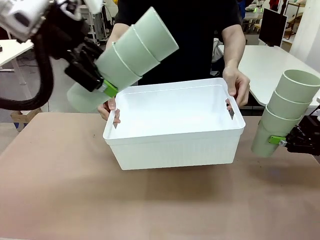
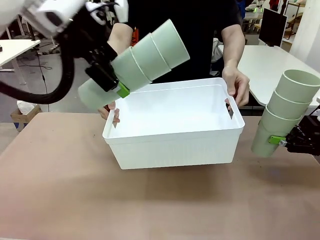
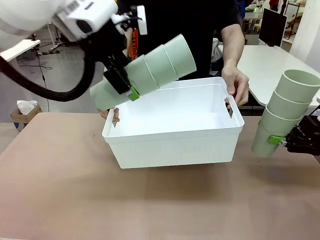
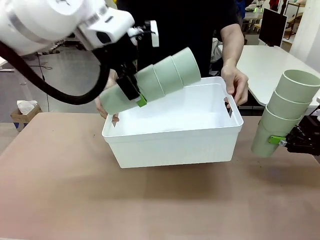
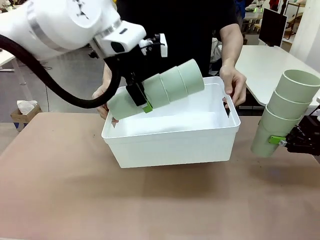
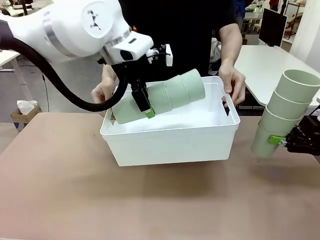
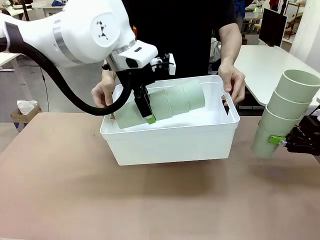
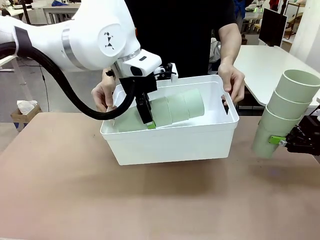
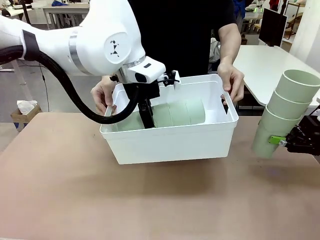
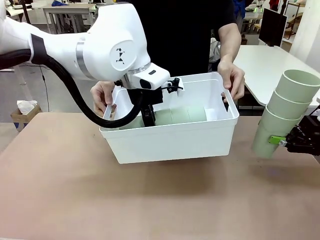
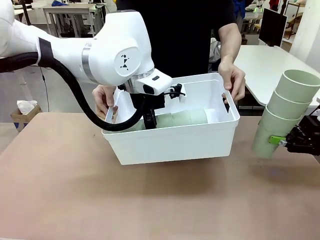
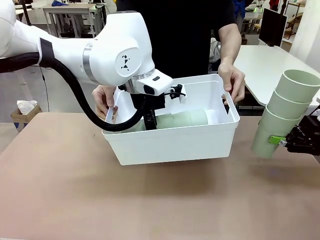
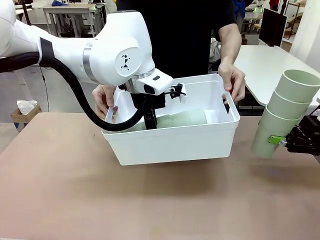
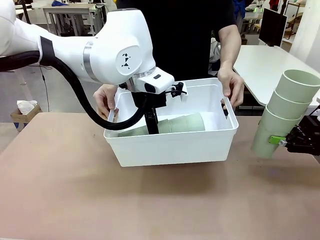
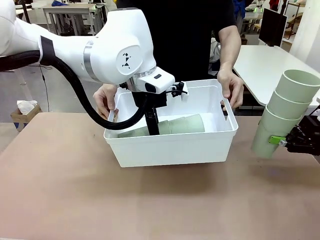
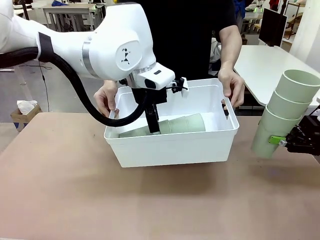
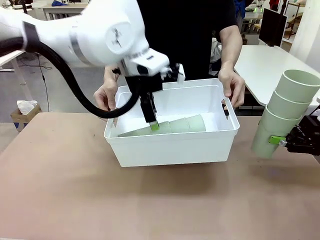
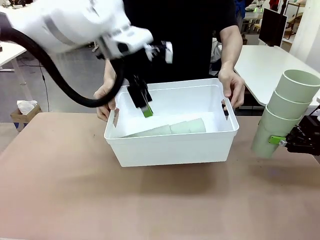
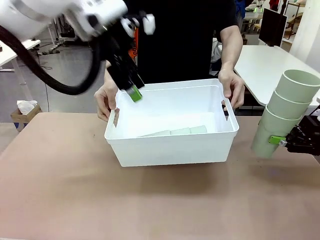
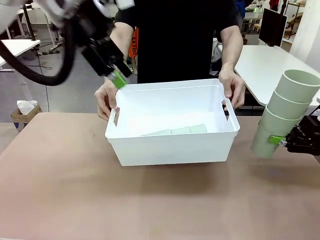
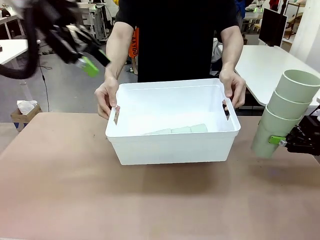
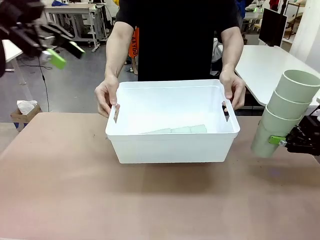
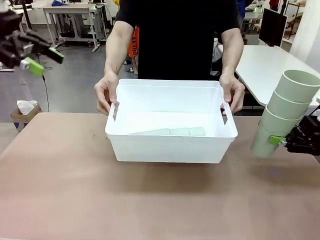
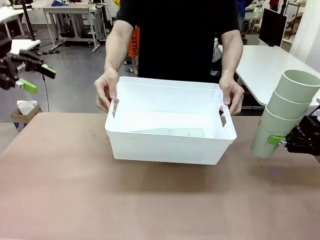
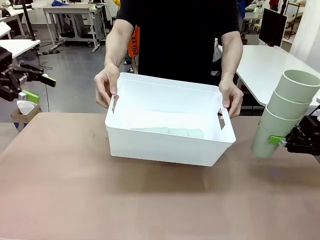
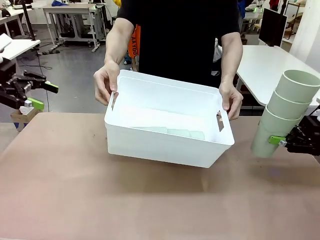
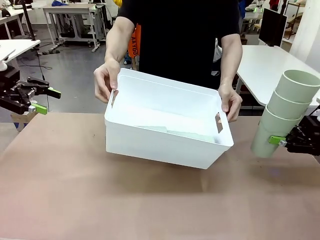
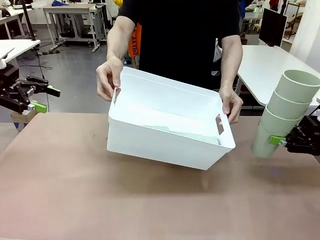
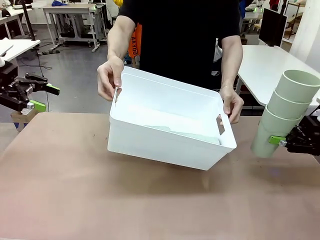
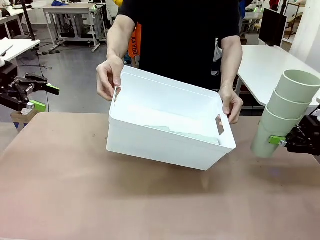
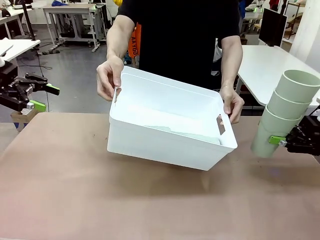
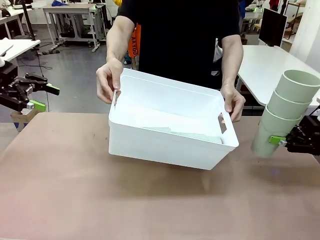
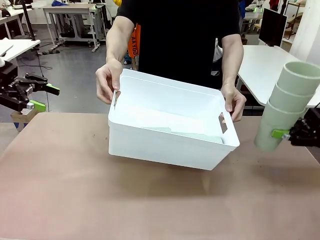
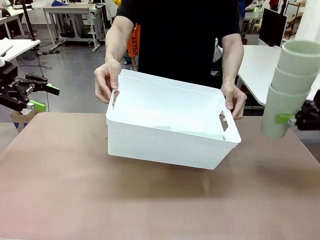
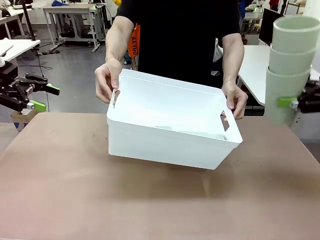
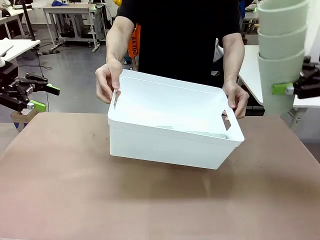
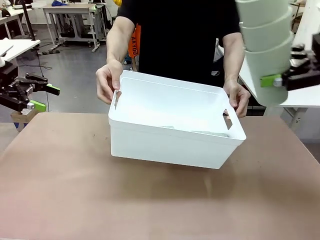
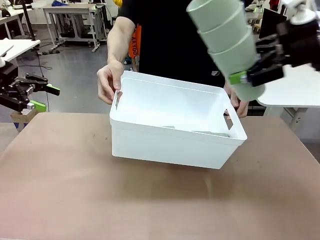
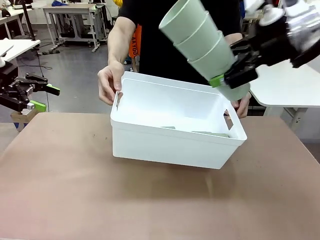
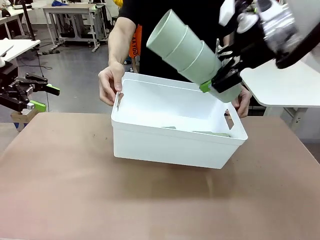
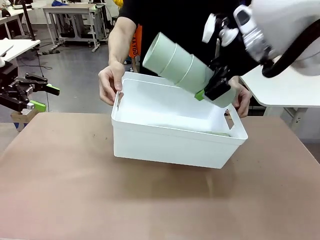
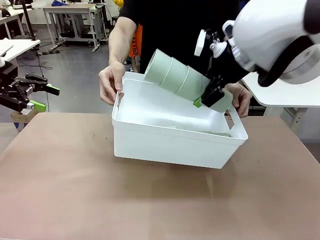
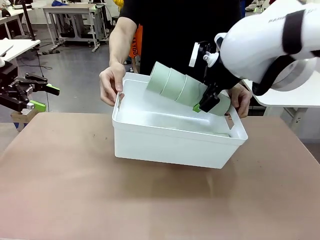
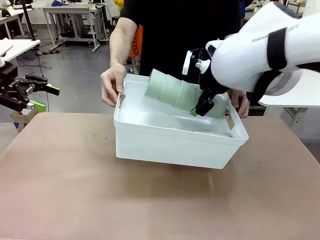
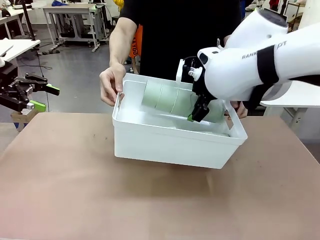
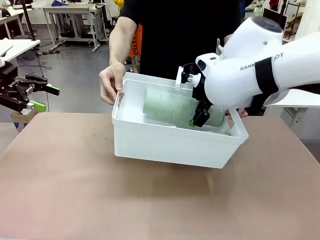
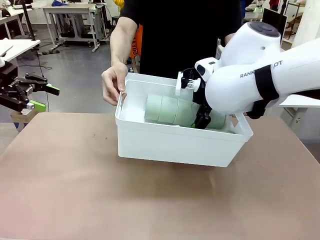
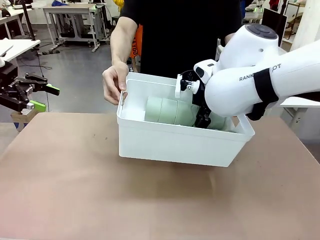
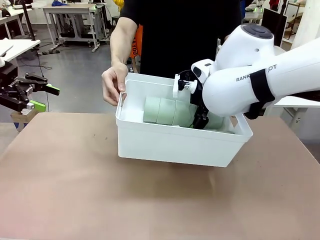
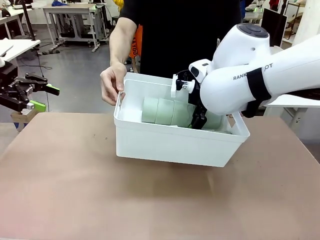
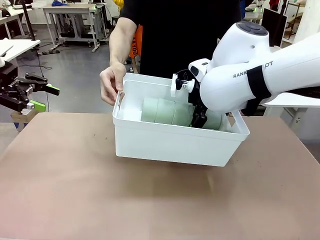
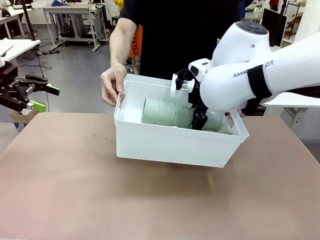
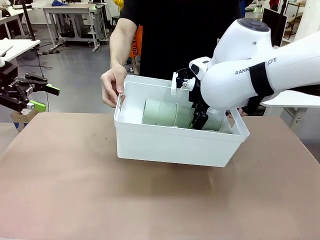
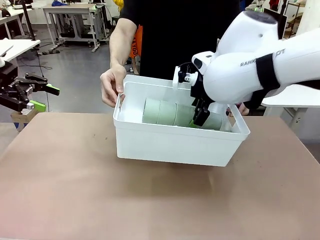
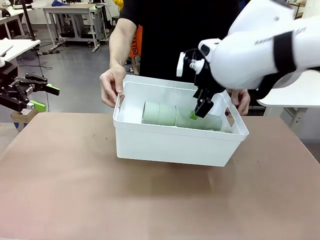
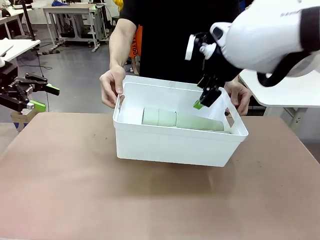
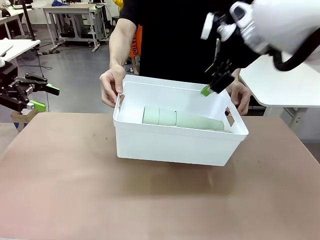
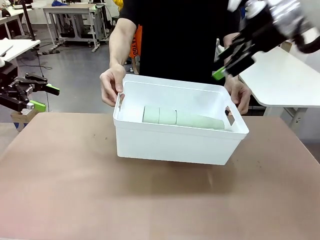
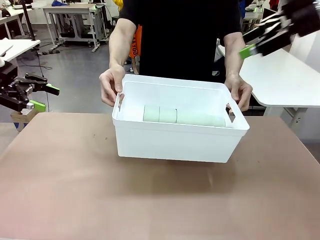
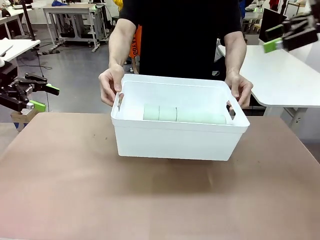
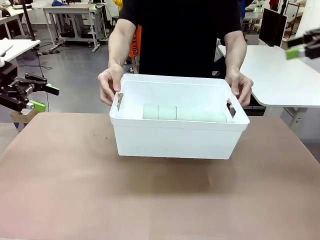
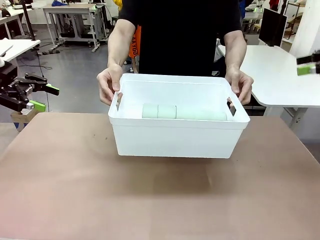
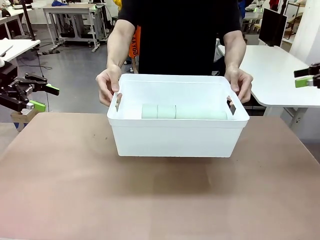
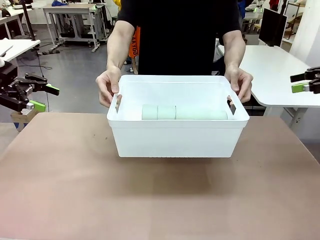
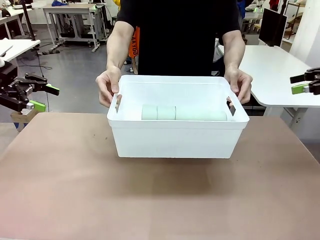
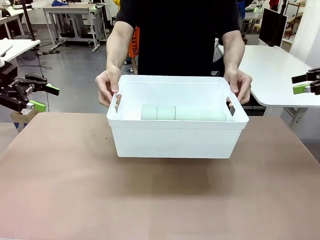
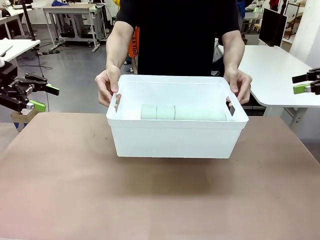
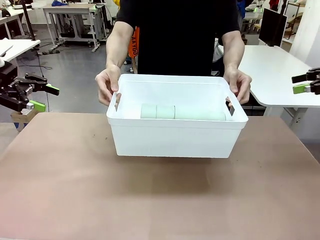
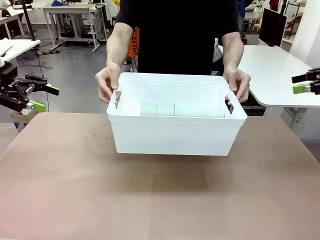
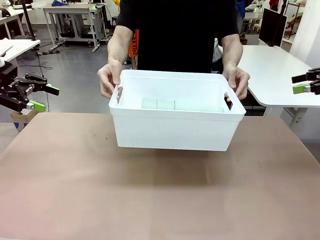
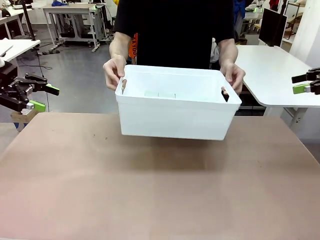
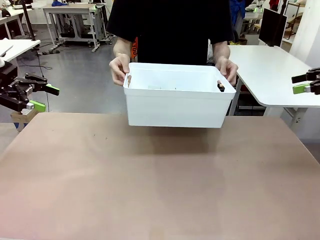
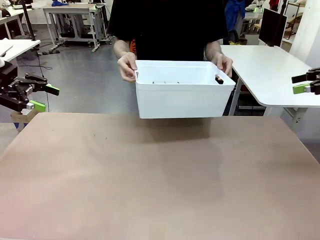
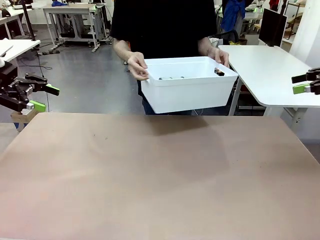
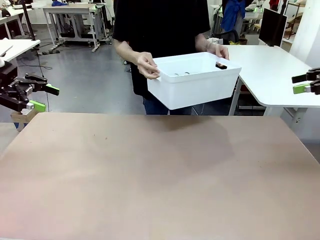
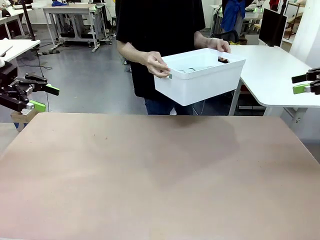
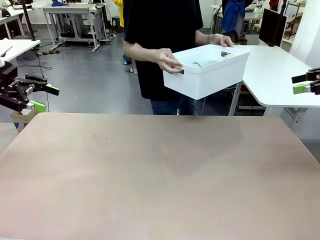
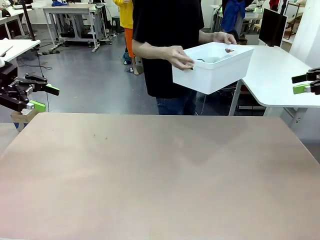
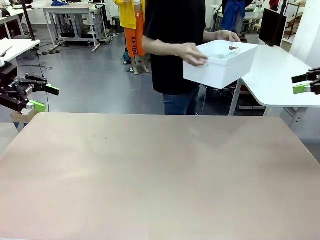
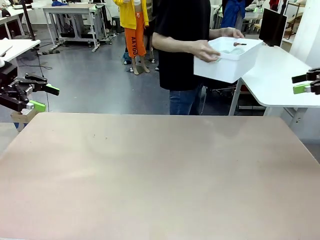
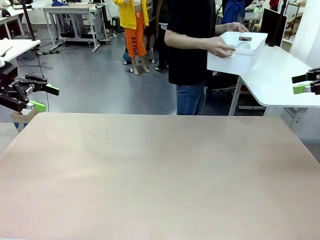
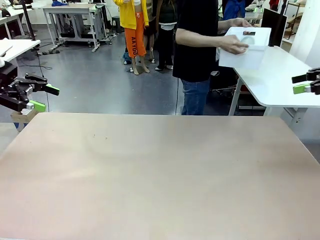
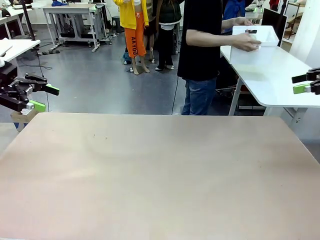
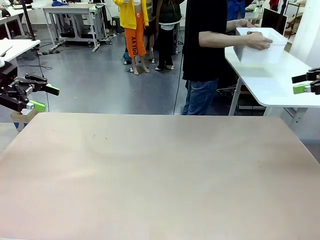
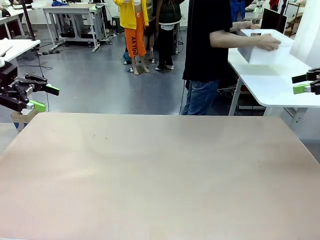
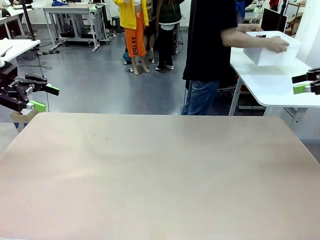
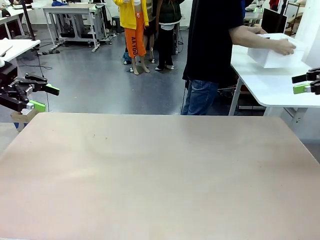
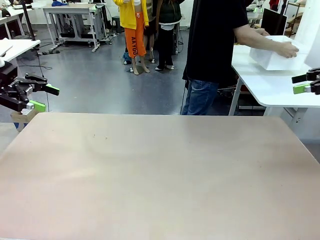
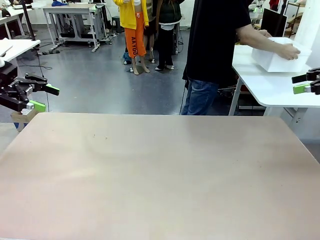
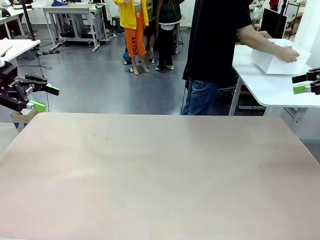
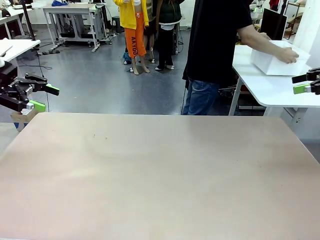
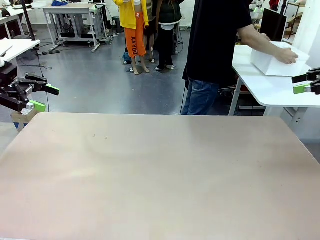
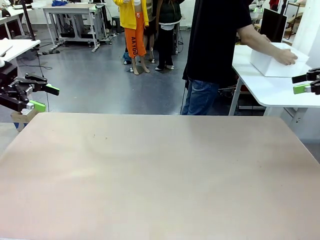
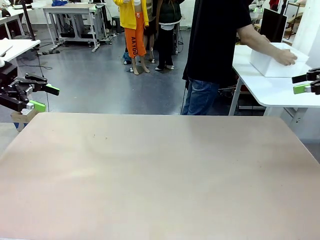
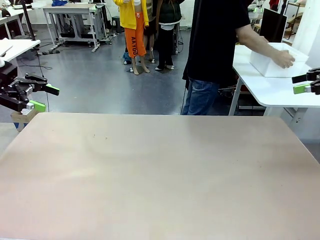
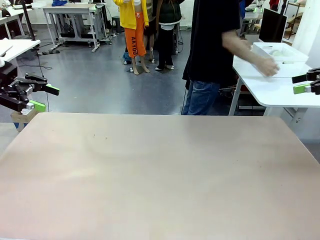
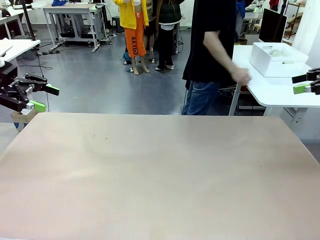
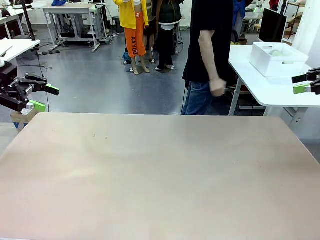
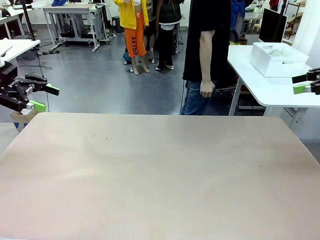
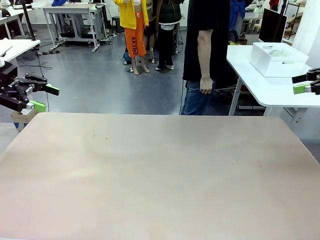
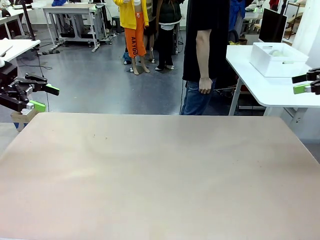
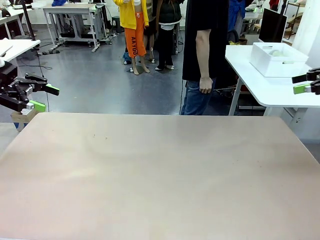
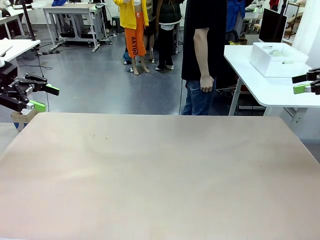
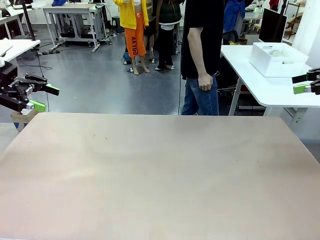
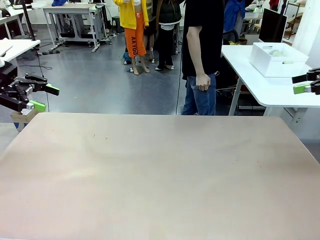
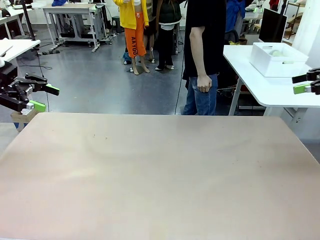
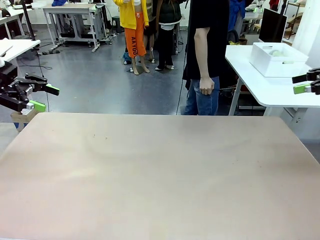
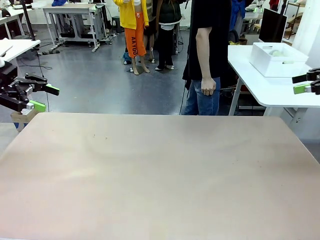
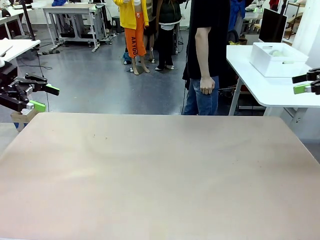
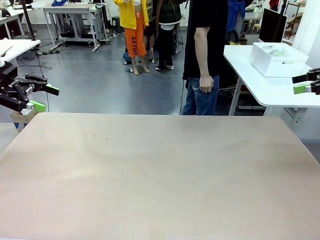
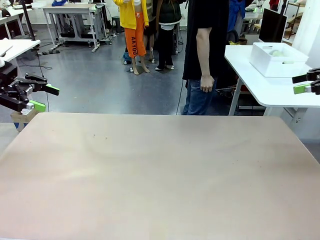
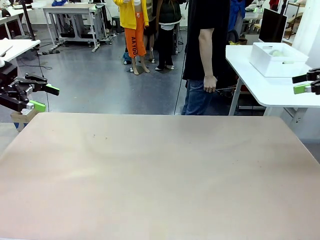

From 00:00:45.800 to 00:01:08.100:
Task: Stack the cups and store them in the basket.
Robot: Place the stack of Reusable plastic cups into the Pantry Basket.
Person: Place the basket containing the cups in the middle of the Human Table.
